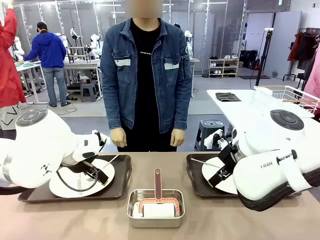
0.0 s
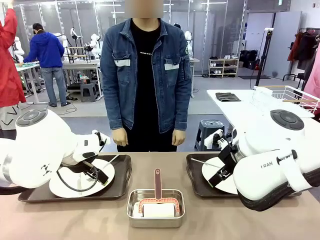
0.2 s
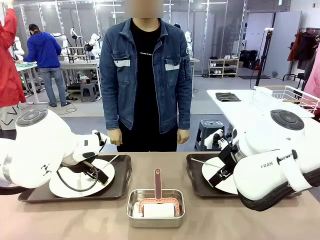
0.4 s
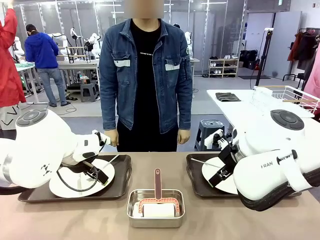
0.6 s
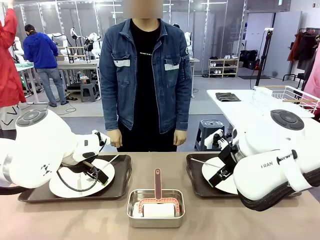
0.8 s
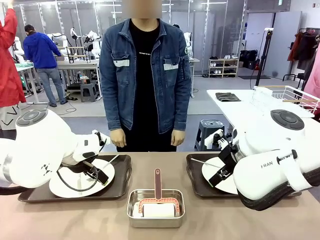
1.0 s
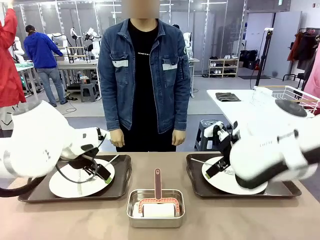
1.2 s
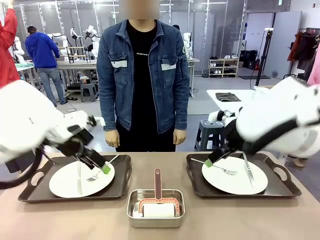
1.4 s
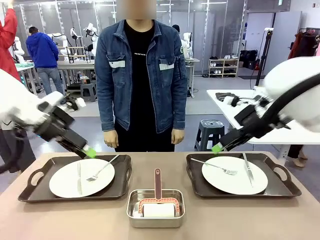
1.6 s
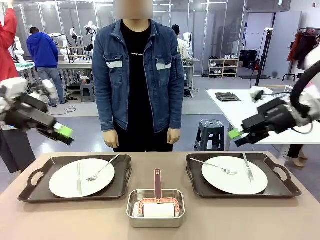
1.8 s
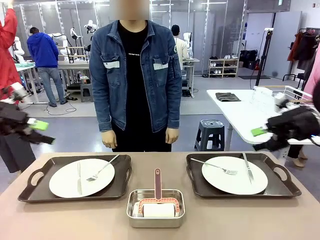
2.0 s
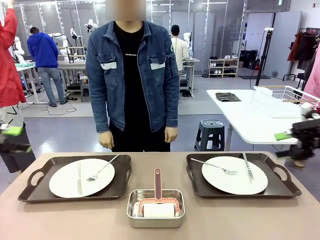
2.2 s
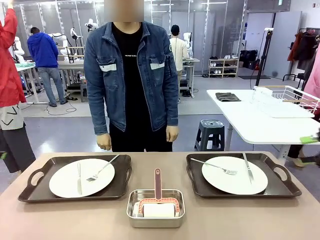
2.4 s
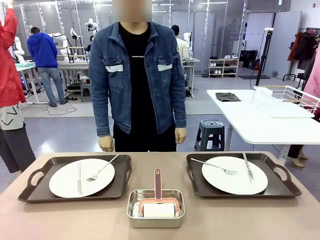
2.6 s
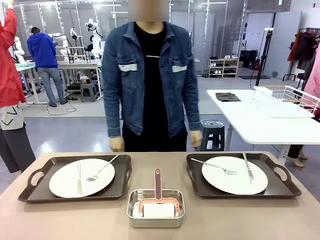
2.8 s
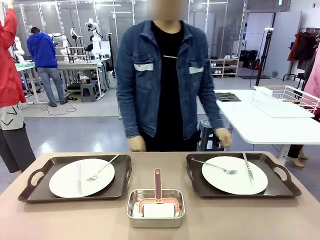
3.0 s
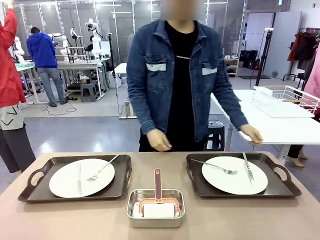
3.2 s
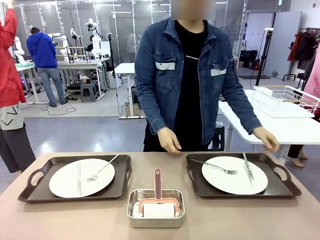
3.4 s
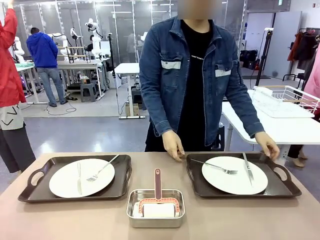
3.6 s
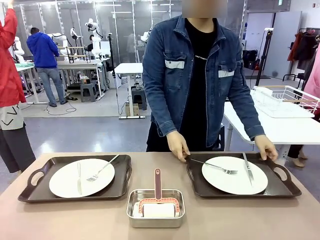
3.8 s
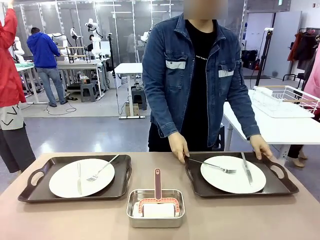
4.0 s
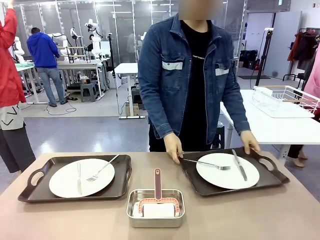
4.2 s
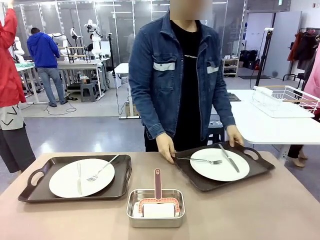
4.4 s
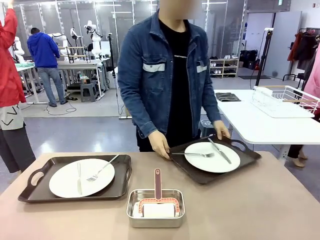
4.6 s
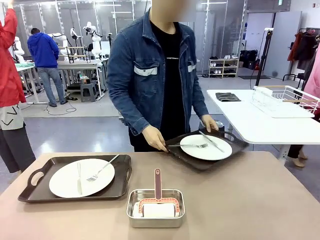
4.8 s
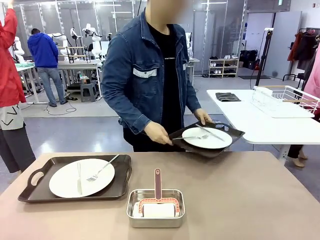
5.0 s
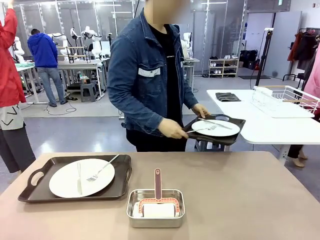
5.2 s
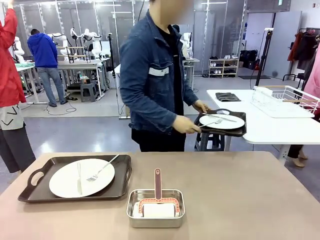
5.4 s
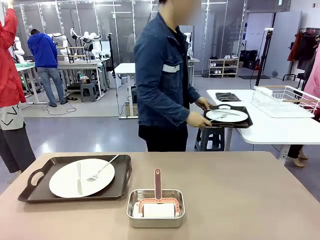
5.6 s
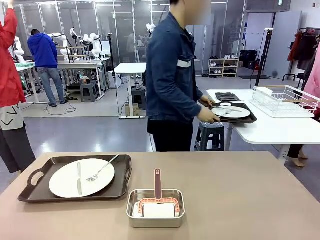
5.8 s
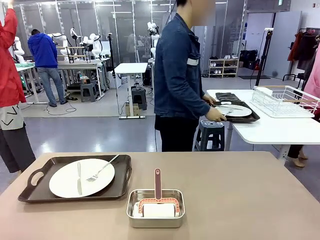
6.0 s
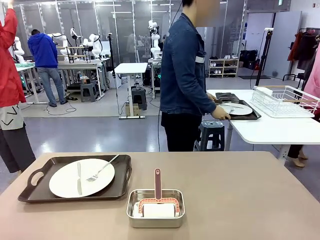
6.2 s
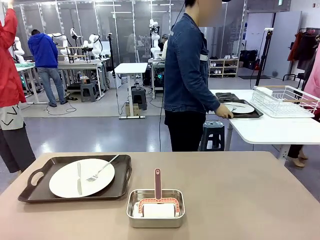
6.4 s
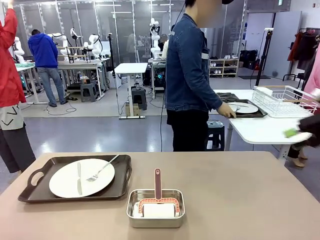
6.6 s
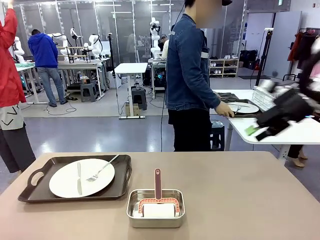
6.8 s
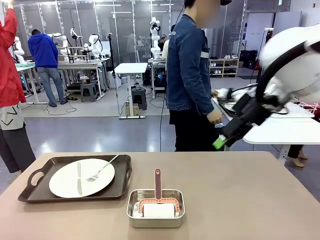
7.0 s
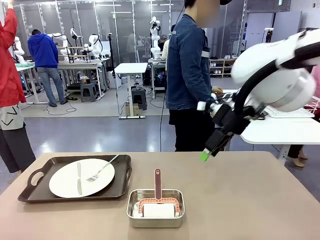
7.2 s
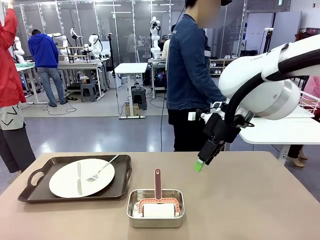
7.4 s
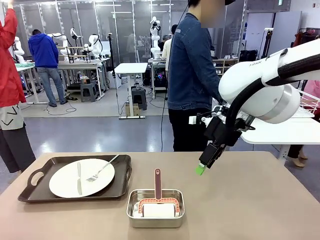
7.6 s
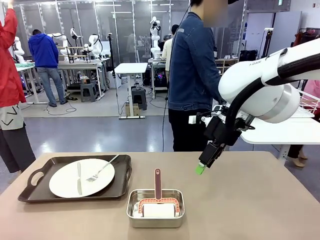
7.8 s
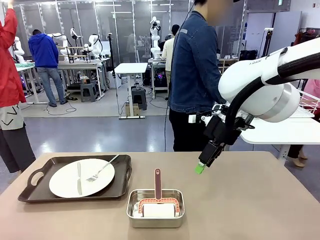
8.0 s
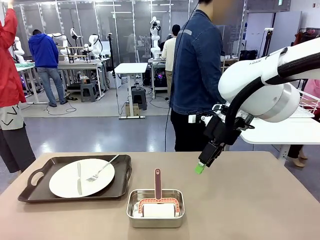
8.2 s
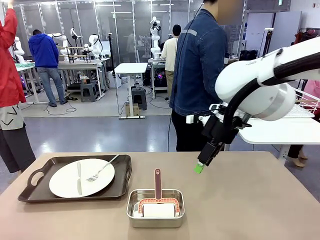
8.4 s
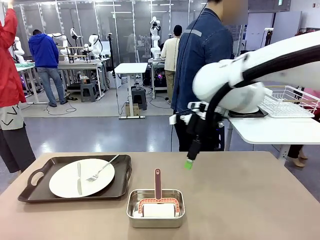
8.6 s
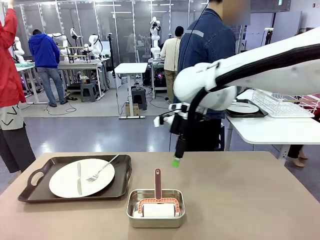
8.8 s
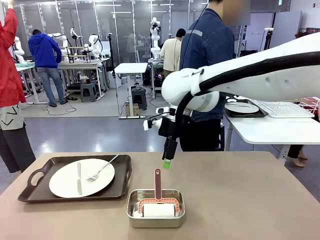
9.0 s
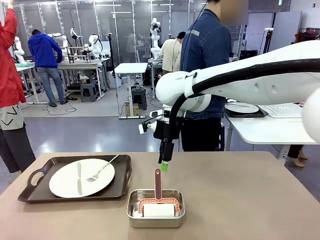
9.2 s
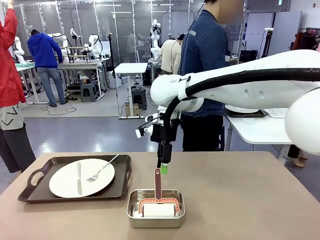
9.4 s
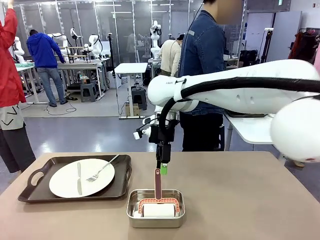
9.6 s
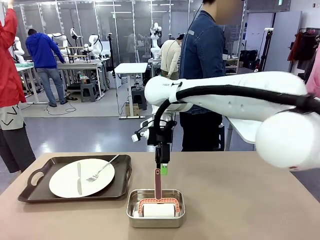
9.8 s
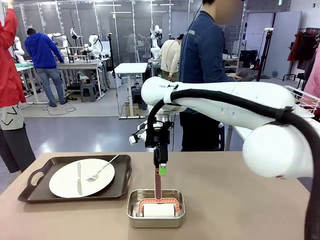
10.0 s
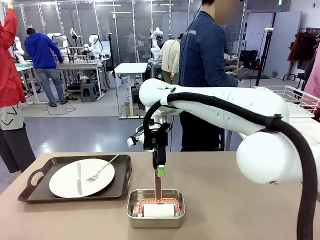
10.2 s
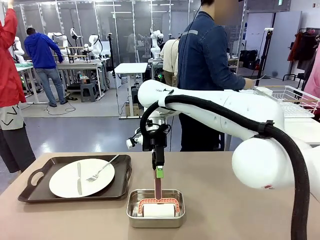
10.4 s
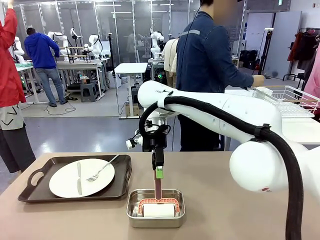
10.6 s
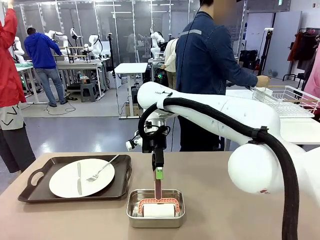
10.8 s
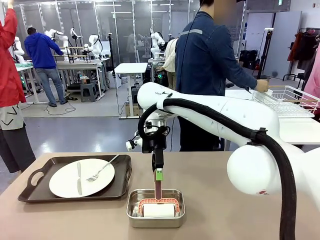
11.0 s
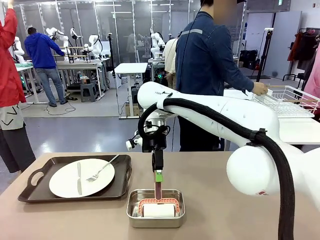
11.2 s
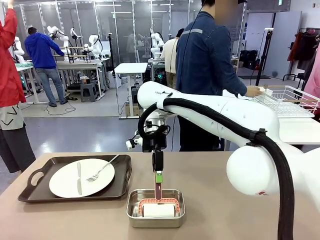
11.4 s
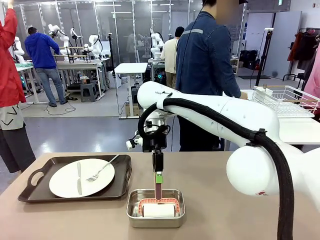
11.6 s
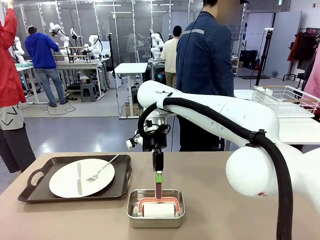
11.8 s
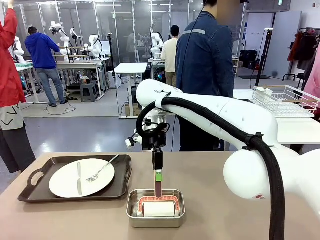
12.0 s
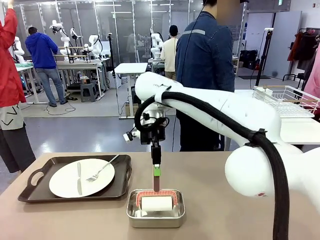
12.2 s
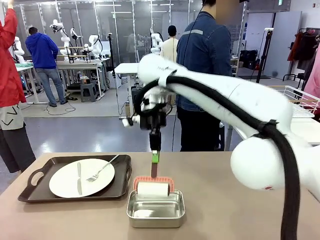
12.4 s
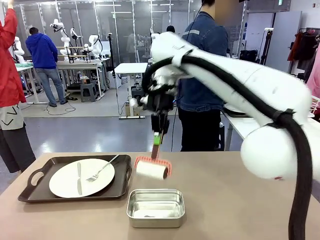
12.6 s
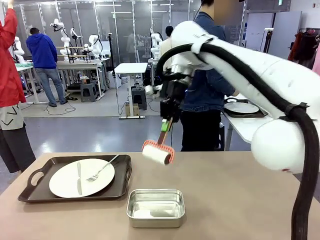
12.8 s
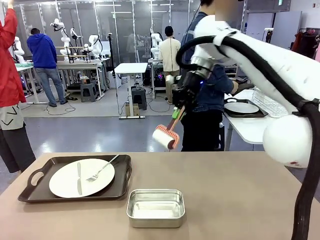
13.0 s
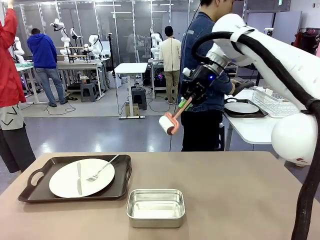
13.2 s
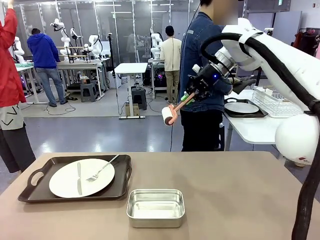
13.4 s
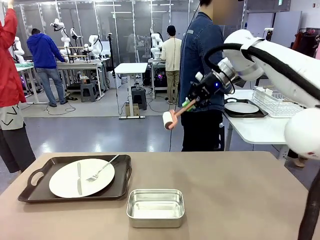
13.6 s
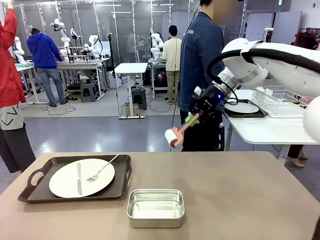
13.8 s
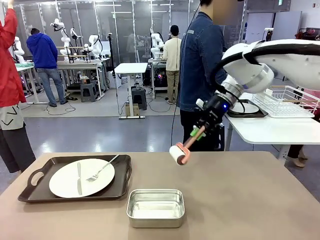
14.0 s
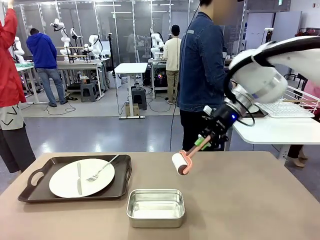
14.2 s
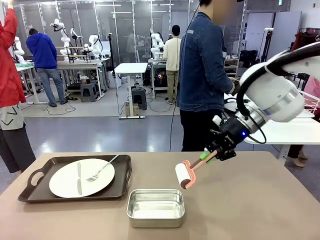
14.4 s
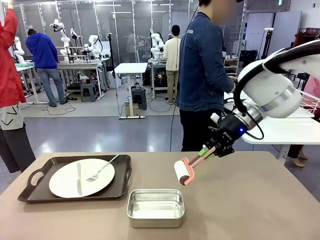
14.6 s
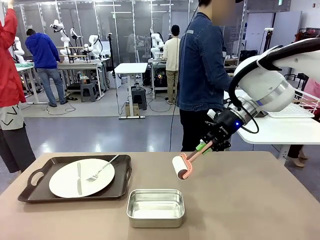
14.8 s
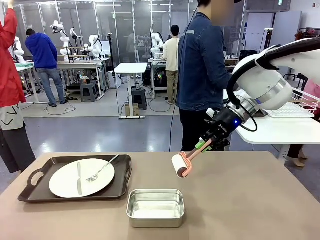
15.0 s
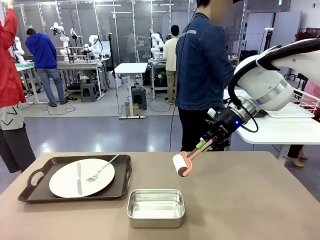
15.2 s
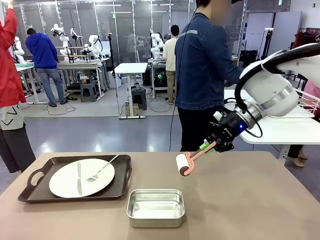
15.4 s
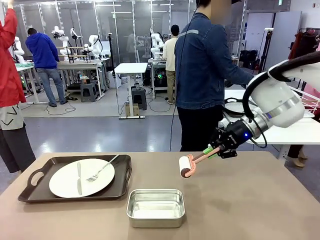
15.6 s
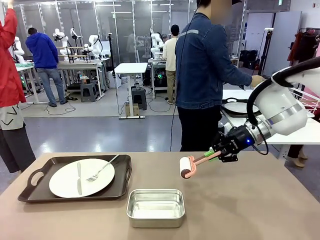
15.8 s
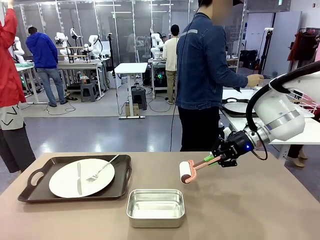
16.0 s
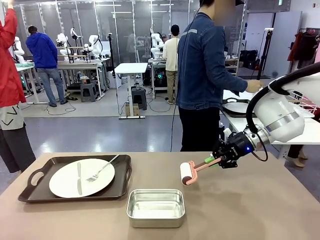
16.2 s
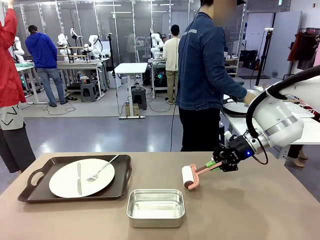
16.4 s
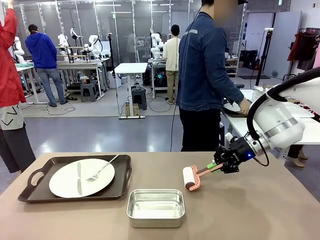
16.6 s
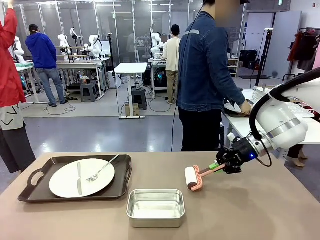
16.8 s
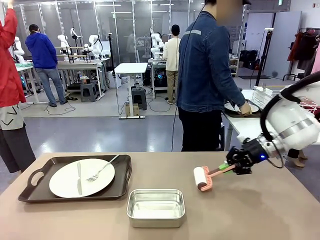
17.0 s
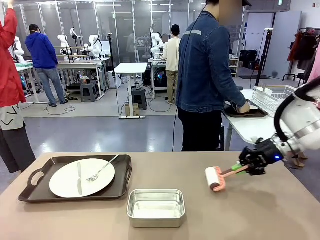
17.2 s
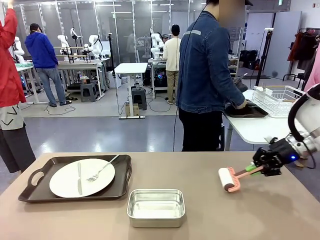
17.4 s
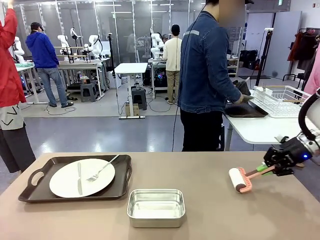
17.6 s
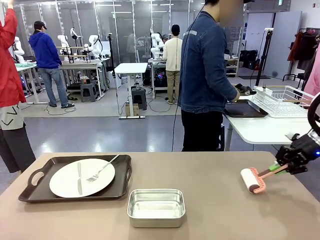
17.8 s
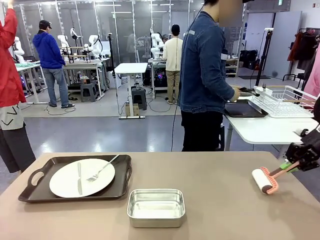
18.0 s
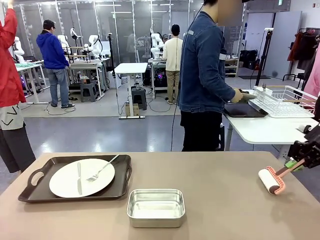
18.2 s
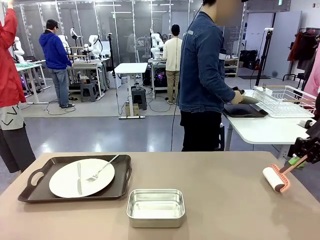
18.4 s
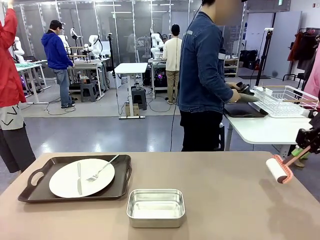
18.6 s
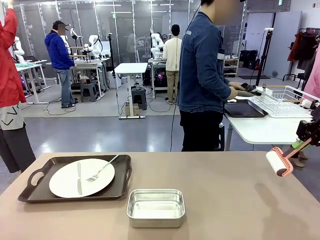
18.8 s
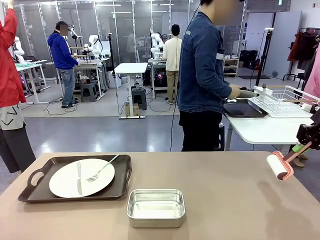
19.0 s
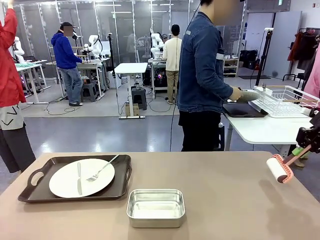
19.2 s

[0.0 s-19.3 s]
Robot: When the left (or right) Handle tray is removed, use the left hand (or right hand) to clean the left (or right) side of the table with the Lint Roller.
Person: Pick up the left (or right) Handle tray and place it on the middle of the Human's table. Use the Towel with hook to wipe the Plastic Matte Plate , Fork , and Knife and place into the Dish drying rack.
